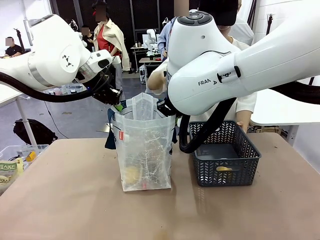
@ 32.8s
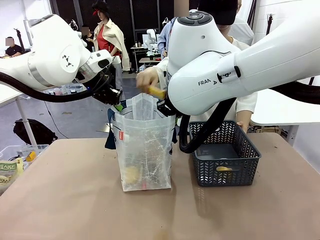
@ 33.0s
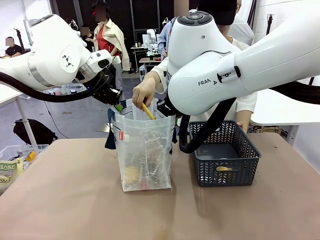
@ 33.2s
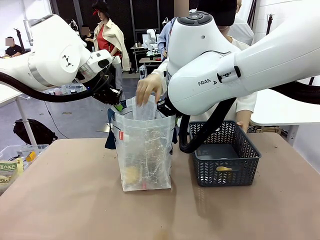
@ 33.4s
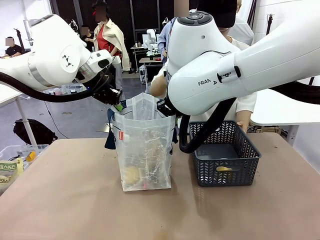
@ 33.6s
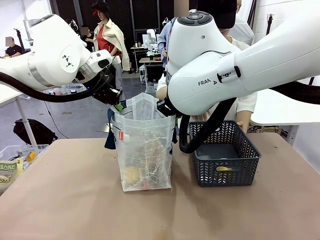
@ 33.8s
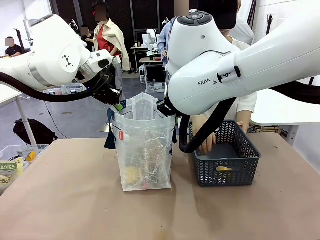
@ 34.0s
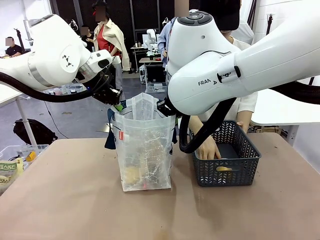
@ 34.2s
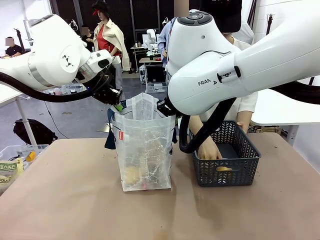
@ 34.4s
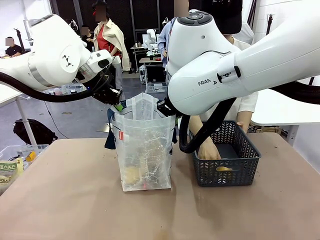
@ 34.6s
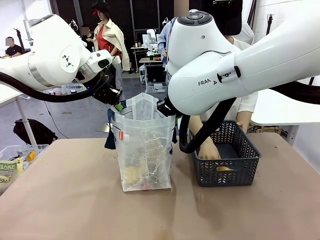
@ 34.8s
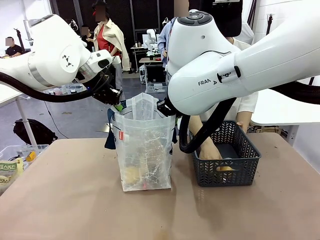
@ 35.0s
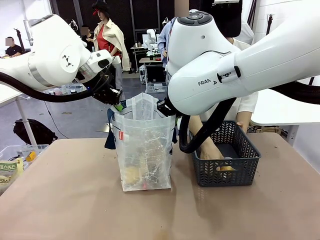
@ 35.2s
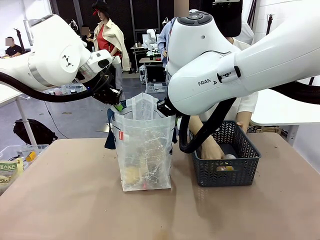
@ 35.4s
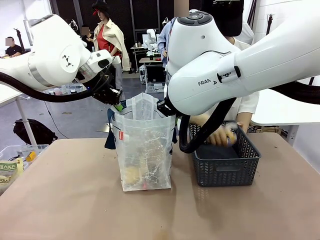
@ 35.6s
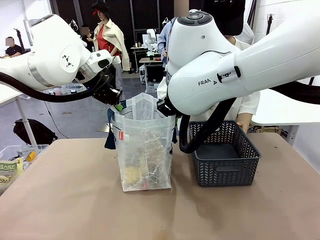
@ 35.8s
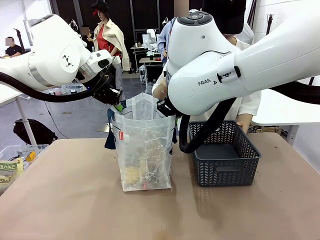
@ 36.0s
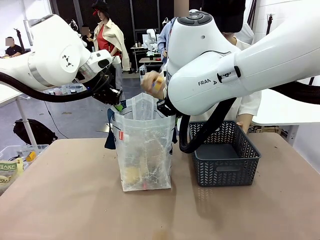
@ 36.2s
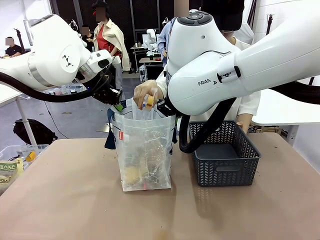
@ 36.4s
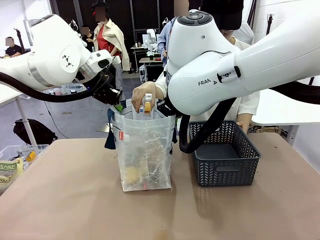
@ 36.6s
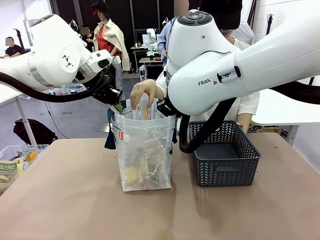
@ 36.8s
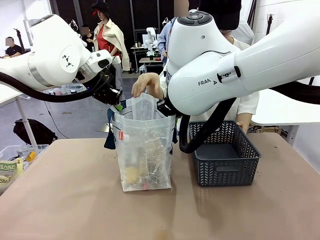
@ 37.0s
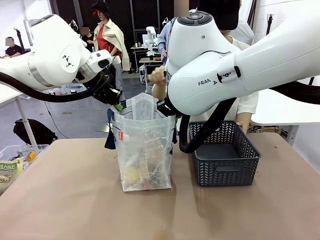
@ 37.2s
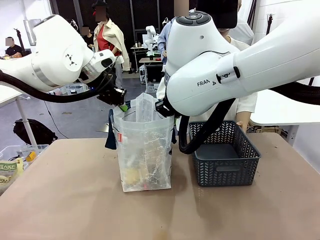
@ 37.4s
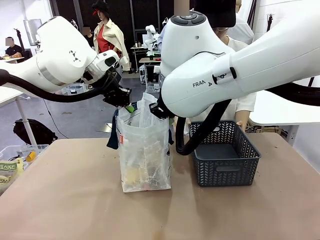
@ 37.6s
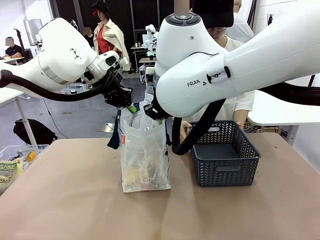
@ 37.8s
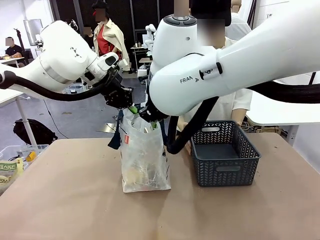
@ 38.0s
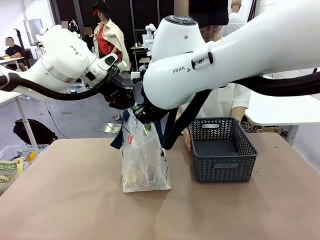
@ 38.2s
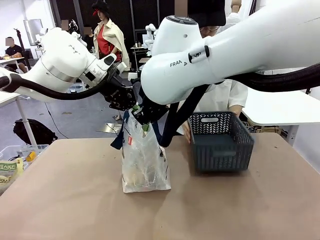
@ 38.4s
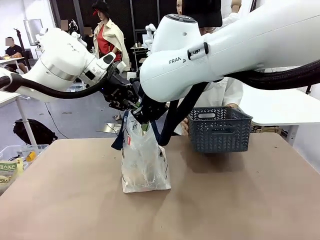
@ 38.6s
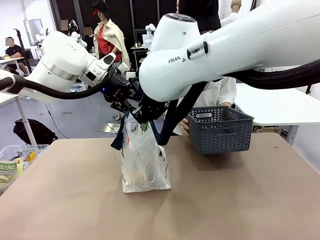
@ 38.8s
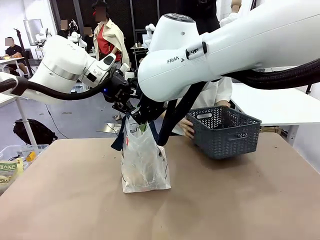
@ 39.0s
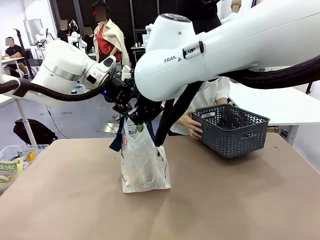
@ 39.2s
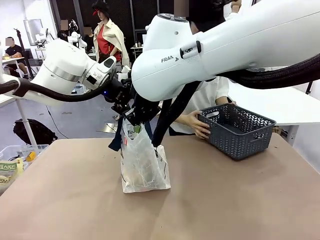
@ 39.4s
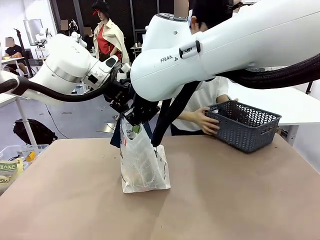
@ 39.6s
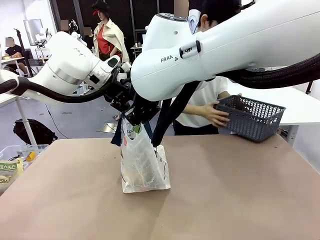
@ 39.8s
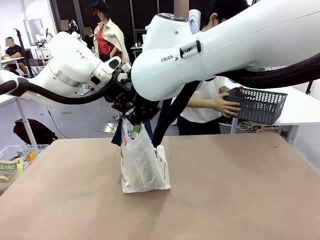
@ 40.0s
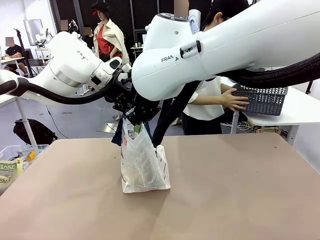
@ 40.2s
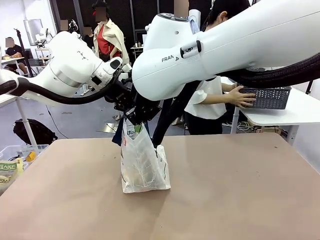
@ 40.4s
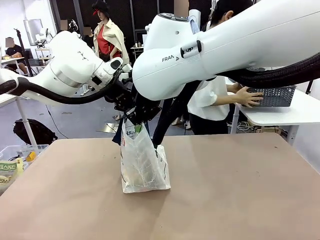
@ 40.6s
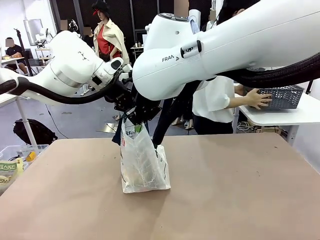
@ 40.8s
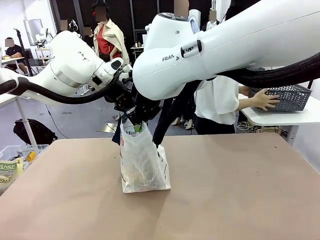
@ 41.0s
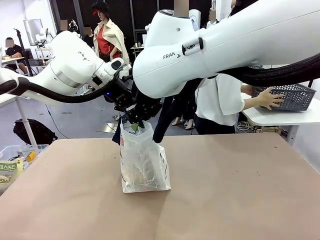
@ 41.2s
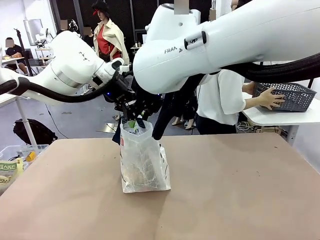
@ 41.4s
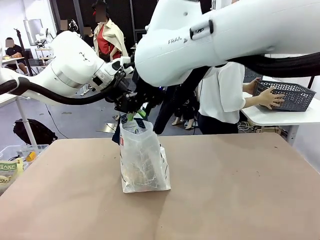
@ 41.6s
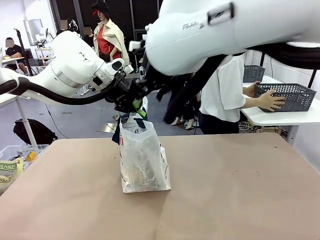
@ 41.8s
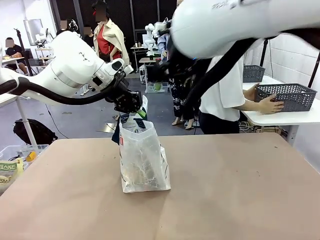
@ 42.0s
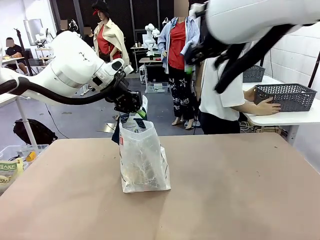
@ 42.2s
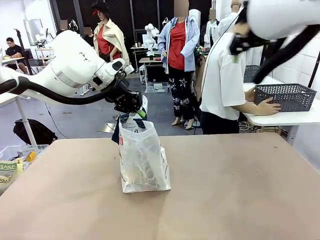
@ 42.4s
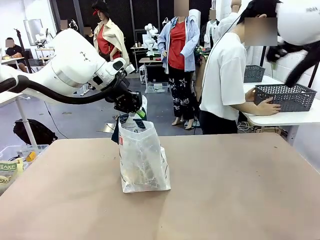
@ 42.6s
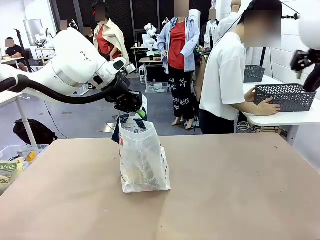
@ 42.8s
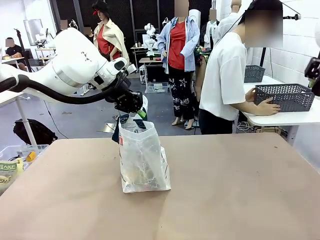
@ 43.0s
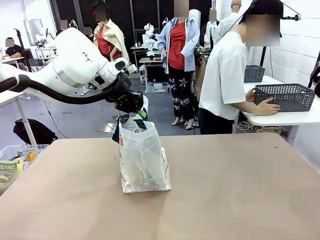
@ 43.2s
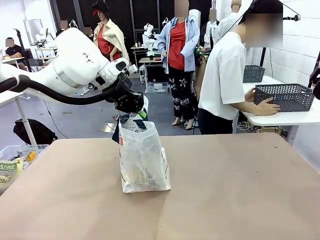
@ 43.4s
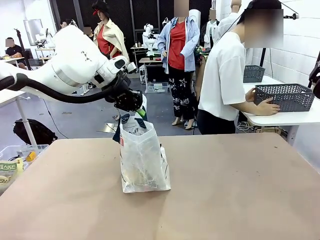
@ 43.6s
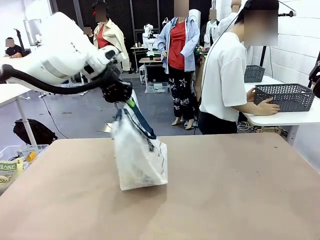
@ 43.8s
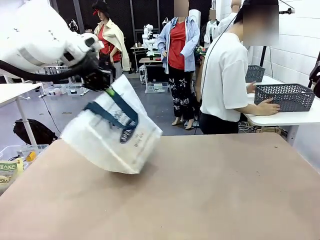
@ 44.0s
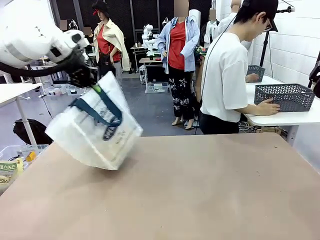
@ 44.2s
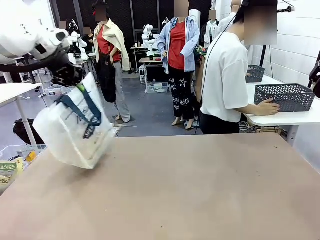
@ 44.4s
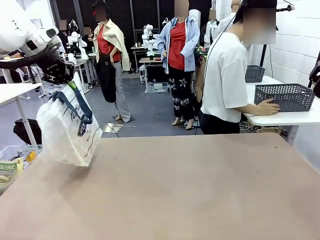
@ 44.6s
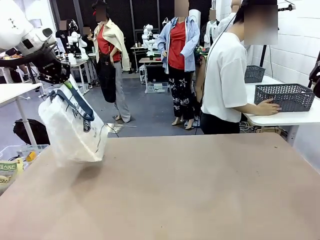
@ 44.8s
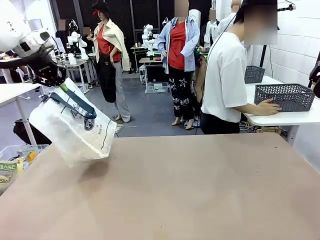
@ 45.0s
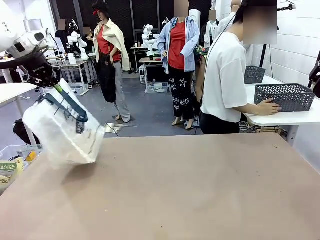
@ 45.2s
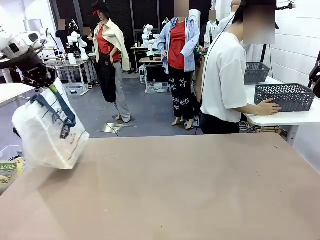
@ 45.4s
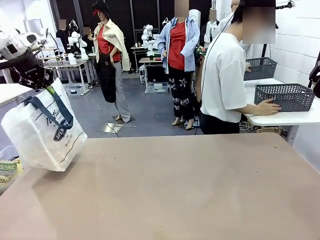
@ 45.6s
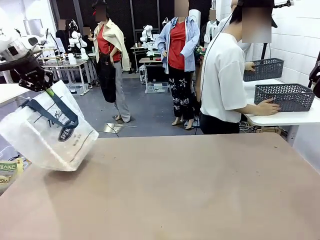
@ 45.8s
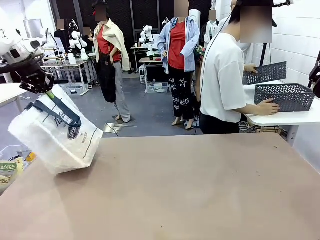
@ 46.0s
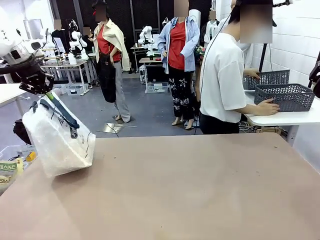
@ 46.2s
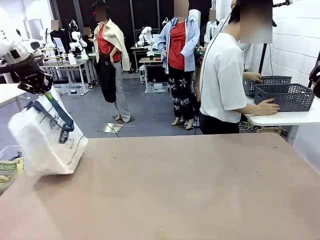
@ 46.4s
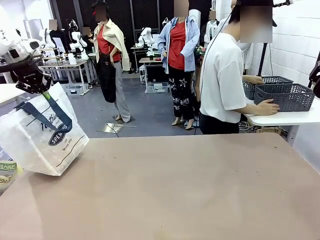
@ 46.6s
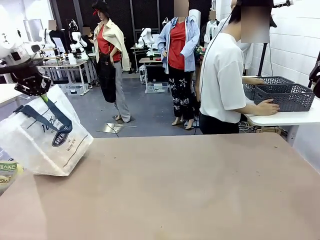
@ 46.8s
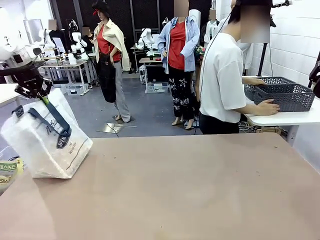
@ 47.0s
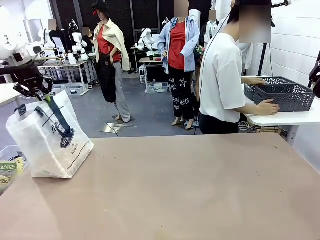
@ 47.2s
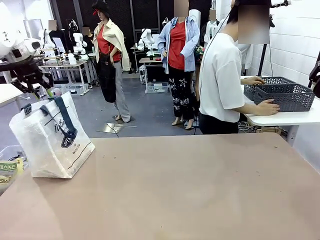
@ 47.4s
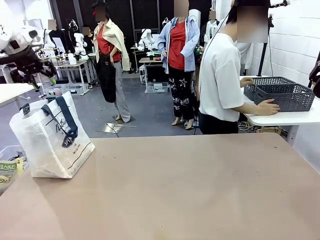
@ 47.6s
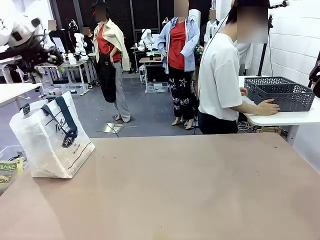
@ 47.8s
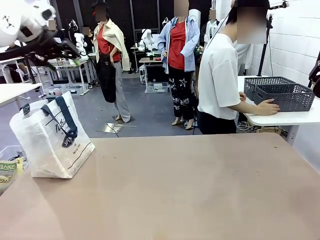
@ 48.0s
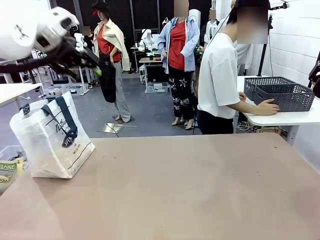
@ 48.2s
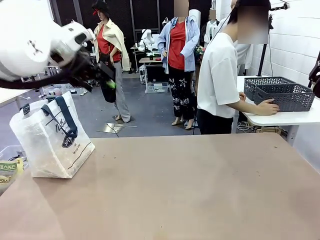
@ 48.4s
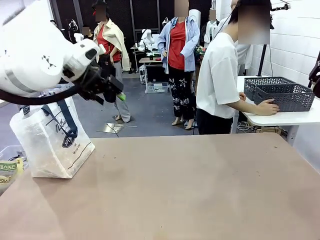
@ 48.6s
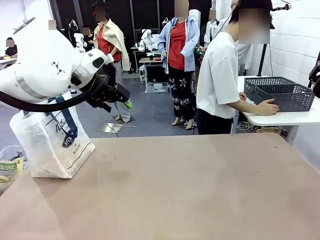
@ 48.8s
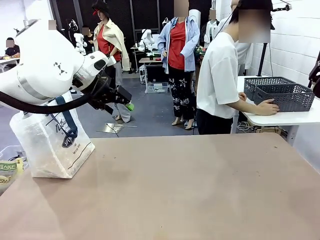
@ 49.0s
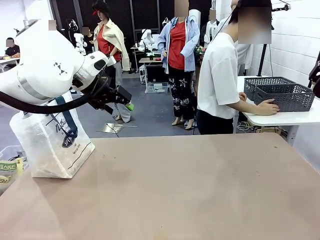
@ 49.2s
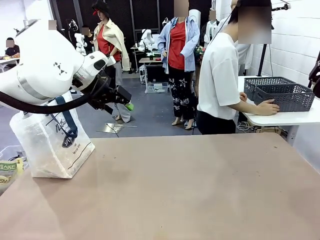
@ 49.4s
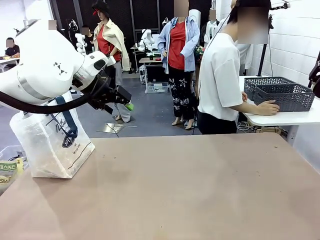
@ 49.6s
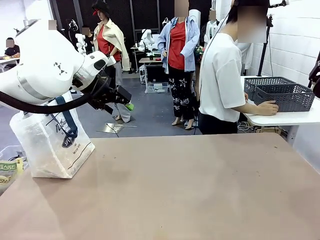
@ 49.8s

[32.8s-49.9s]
Task: Transfer purchased items from the store into the shopping bag.
Robot: Move the Reusable shopping bag to the right side of the table.
Person: Move the basket on the left to the middle of the person's table.
